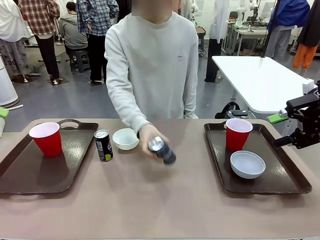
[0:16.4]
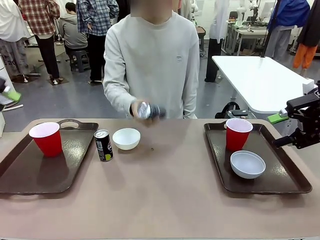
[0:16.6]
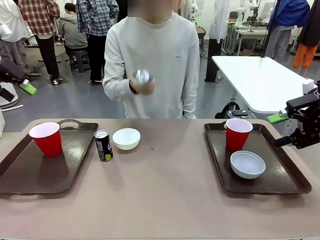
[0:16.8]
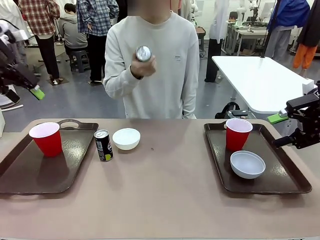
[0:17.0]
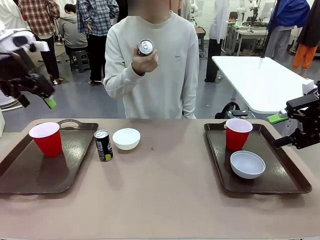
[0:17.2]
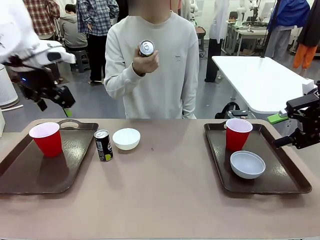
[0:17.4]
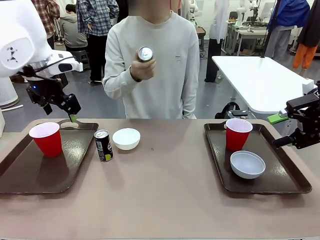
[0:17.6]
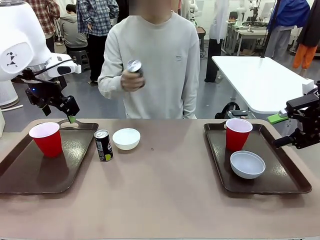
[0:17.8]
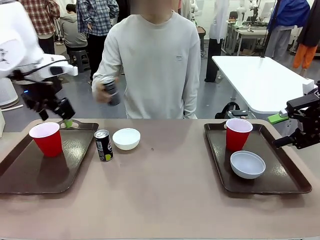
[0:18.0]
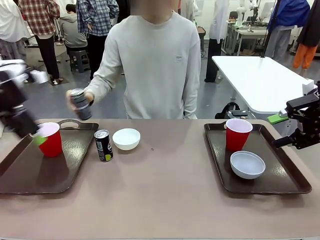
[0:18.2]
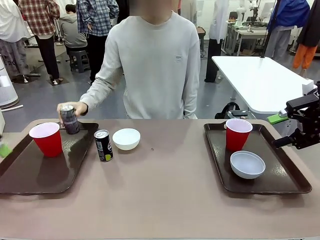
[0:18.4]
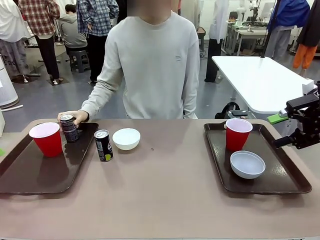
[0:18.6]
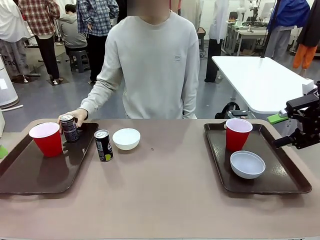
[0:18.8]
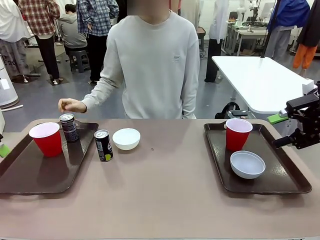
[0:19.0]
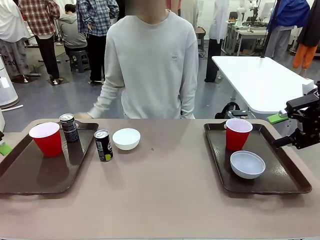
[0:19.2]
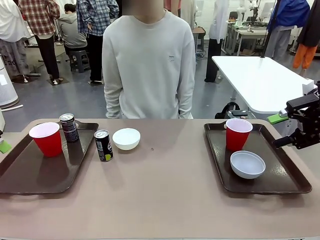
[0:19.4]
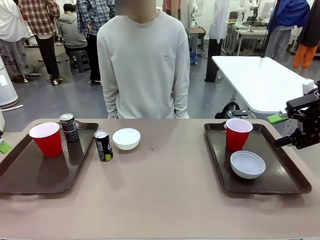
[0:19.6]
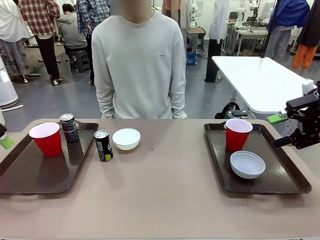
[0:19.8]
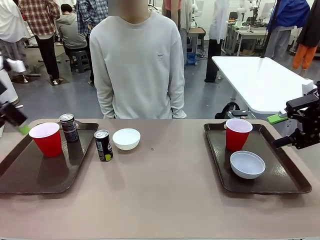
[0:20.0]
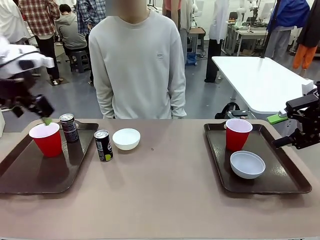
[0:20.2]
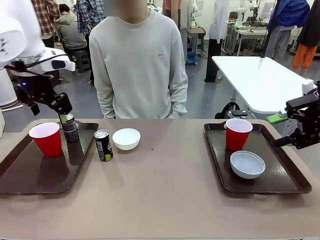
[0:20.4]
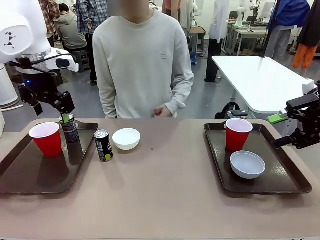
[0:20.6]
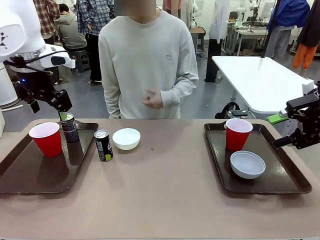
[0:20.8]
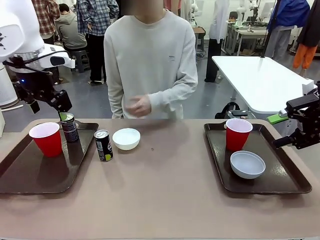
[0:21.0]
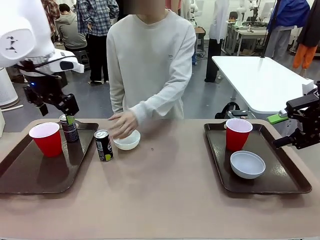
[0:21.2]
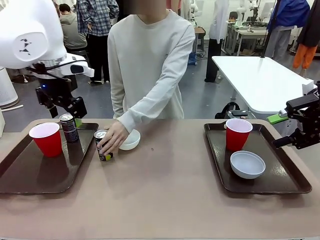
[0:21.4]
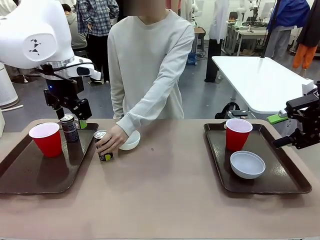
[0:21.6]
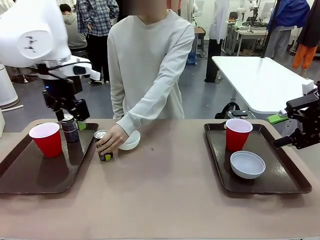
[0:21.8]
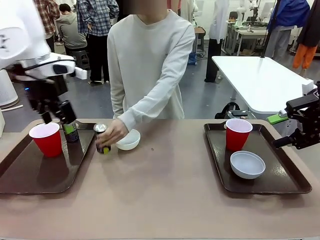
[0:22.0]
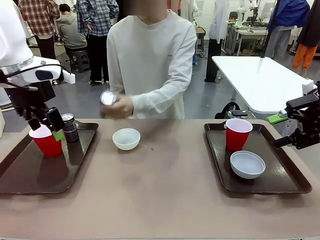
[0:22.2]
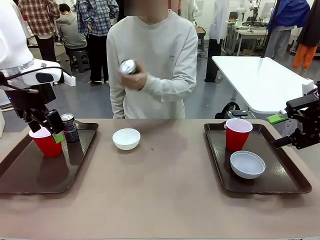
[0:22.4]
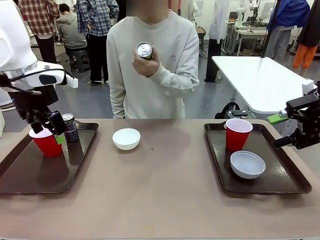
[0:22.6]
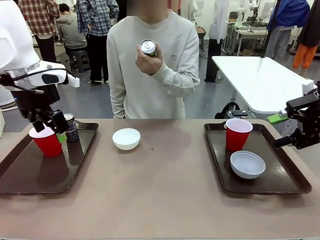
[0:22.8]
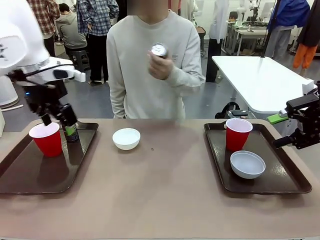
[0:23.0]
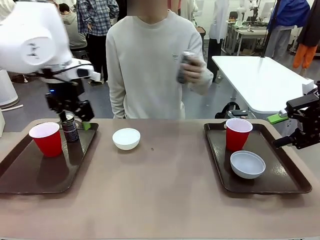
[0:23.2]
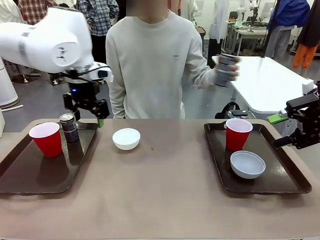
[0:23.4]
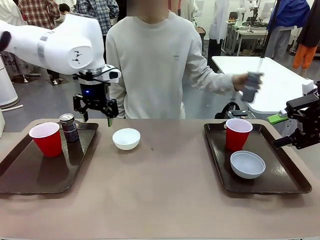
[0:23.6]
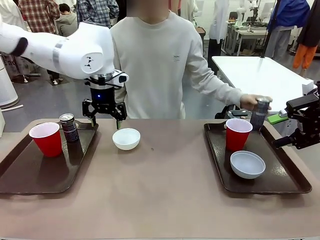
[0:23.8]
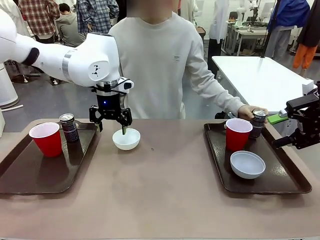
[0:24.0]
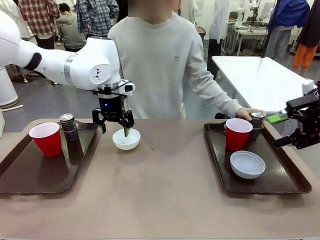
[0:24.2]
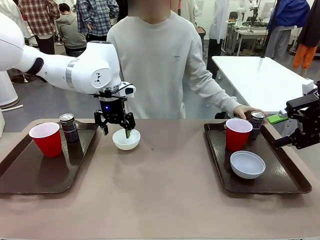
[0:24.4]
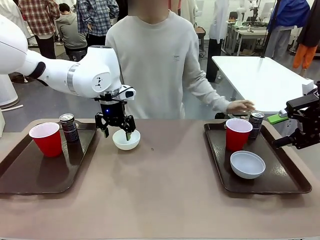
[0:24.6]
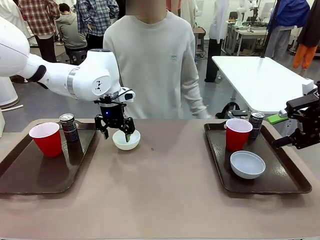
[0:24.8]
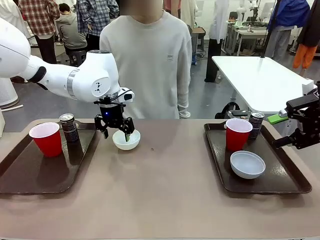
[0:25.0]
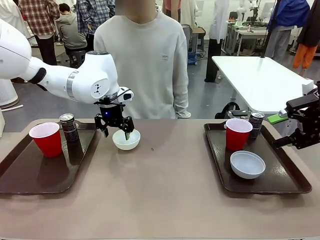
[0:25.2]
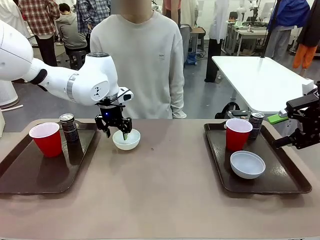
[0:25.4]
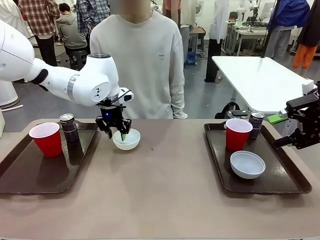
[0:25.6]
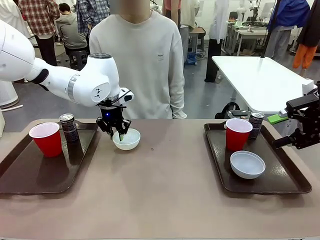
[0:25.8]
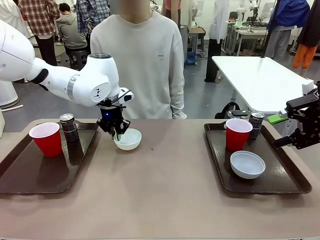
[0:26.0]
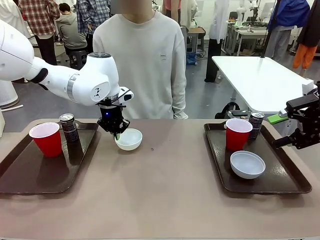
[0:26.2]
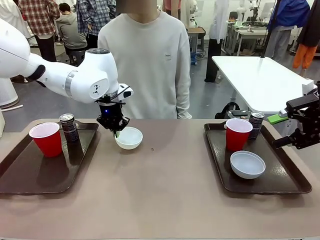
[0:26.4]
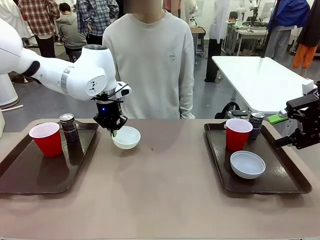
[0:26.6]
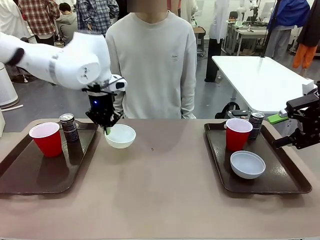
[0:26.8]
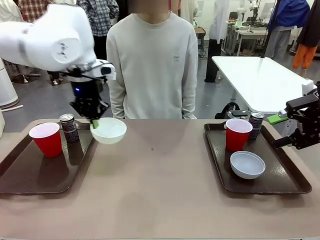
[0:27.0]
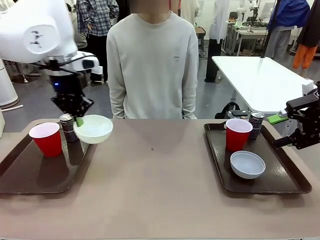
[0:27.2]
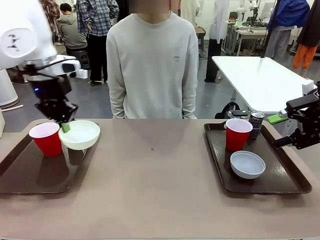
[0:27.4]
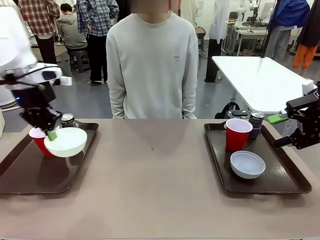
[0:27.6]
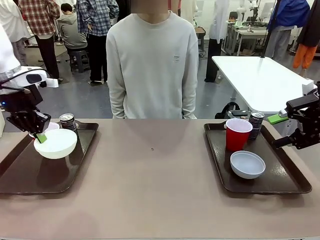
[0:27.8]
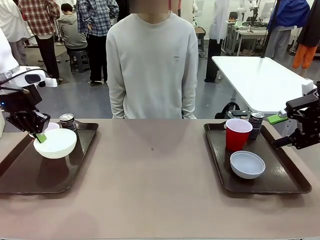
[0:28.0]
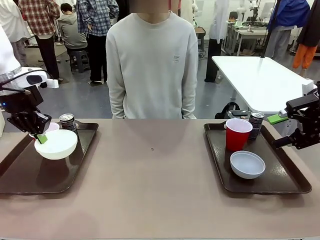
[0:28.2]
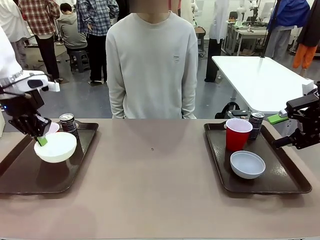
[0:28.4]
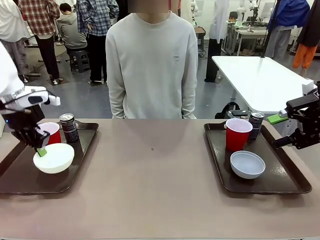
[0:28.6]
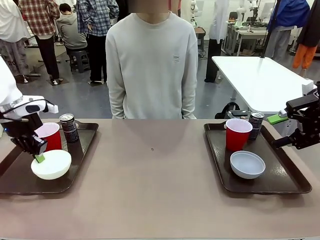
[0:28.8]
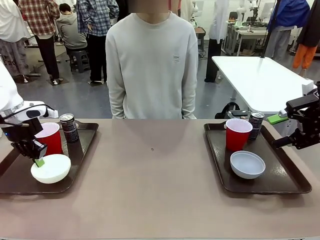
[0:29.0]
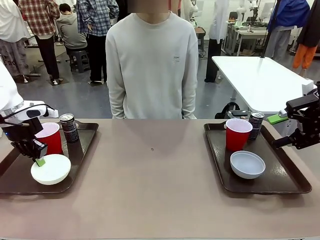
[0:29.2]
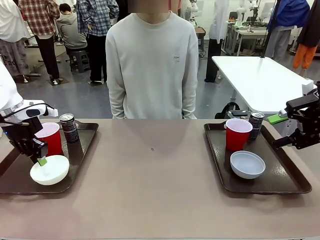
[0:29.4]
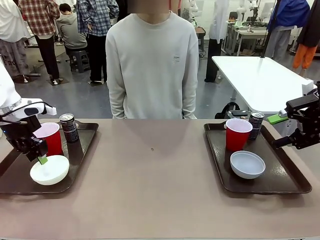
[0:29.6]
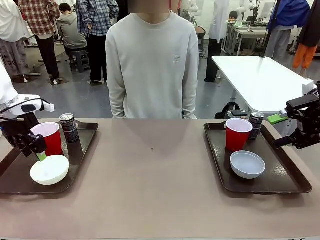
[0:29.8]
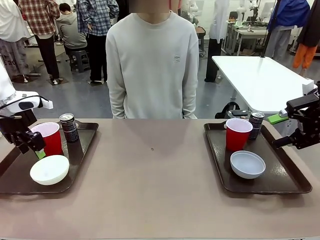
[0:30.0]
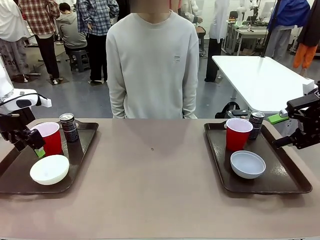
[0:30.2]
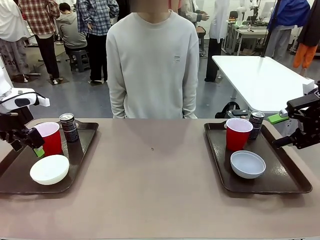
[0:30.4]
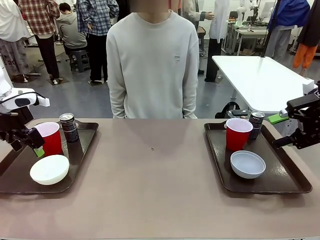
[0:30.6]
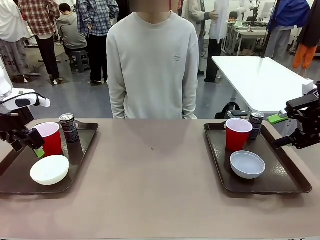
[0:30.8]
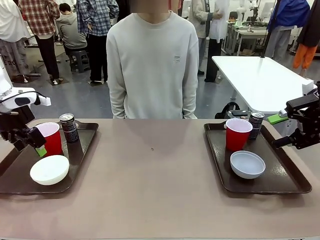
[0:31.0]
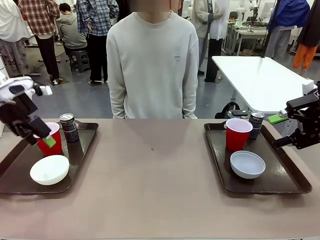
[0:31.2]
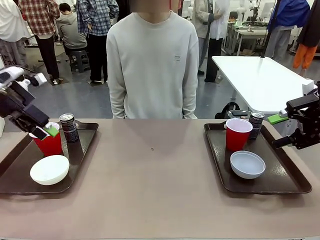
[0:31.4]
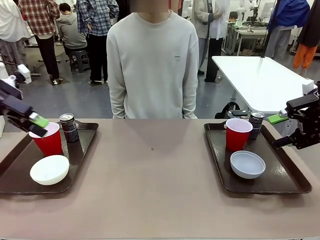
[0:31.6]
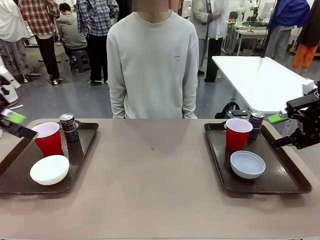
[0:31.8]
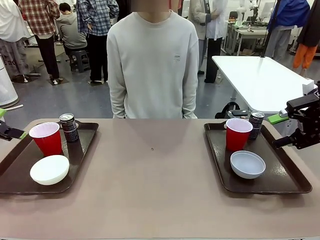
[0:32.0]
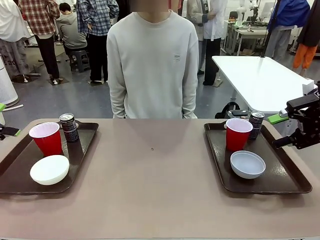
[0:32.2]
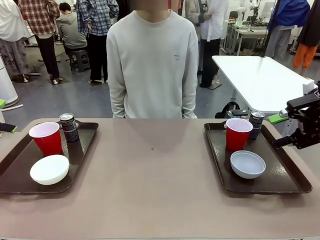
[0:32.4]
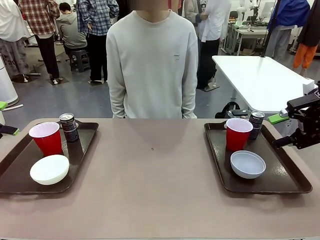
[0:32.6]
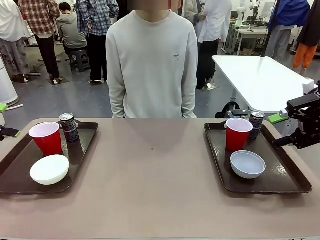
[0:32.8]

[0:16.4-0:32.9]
Task: Prepare tableware on both trays.
Robot: Pick up a Picnic Bowl from the table and place it on a Handle tray.
Person: Pick up a can or cup and place it on the tray without a can or cup.
